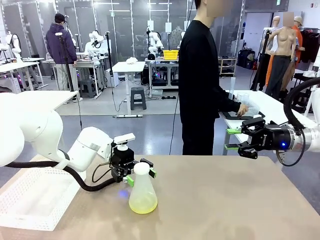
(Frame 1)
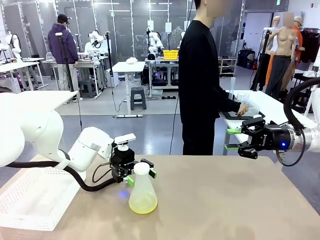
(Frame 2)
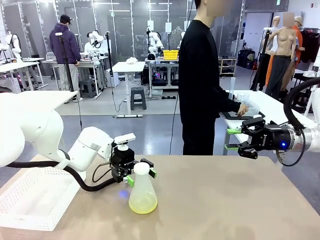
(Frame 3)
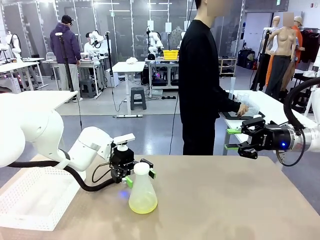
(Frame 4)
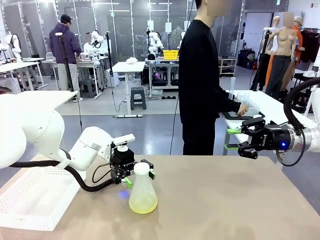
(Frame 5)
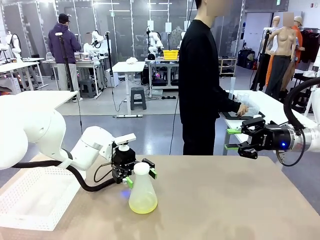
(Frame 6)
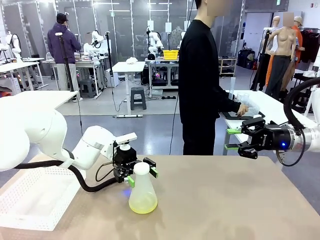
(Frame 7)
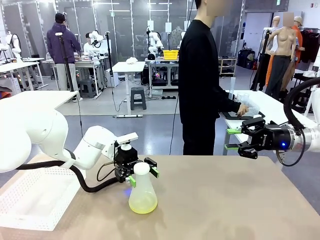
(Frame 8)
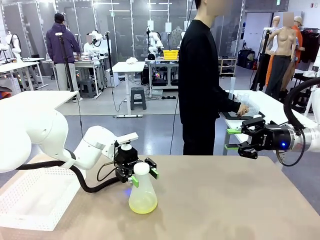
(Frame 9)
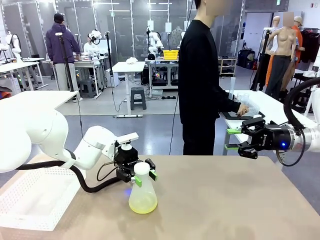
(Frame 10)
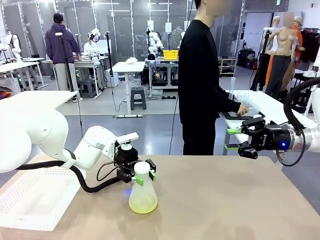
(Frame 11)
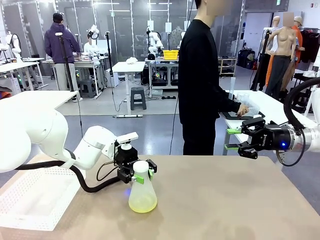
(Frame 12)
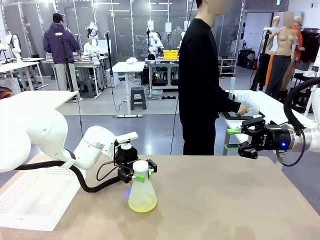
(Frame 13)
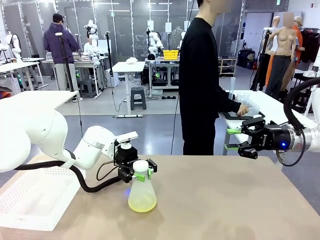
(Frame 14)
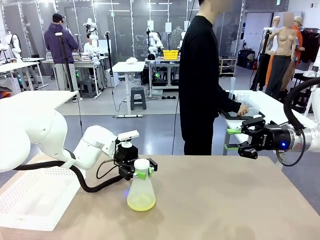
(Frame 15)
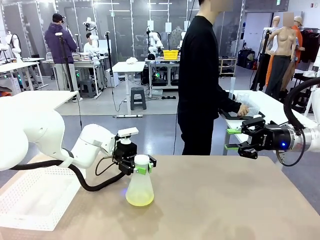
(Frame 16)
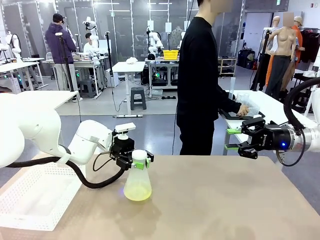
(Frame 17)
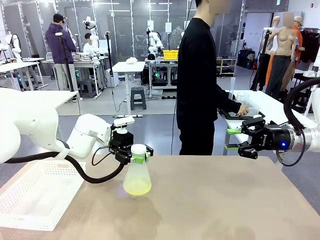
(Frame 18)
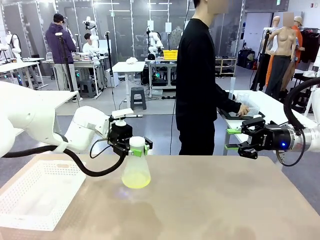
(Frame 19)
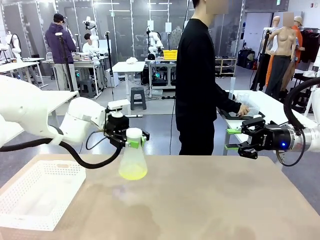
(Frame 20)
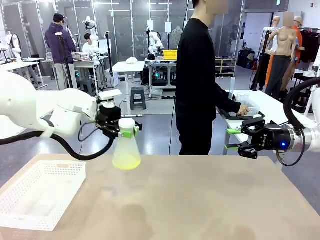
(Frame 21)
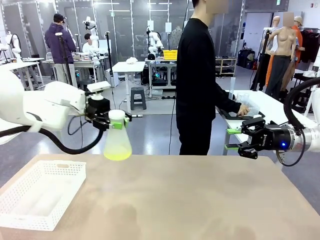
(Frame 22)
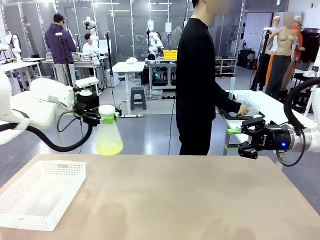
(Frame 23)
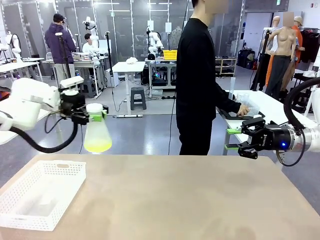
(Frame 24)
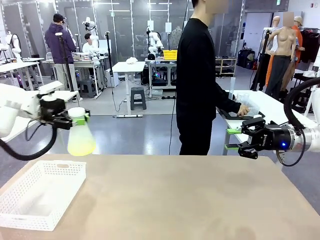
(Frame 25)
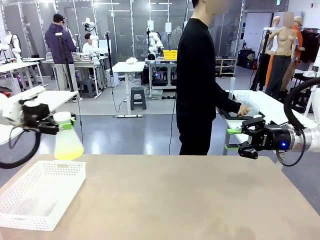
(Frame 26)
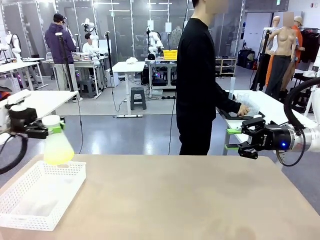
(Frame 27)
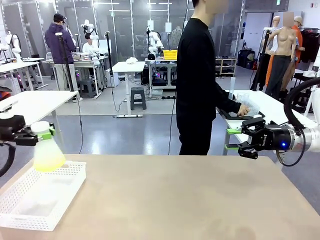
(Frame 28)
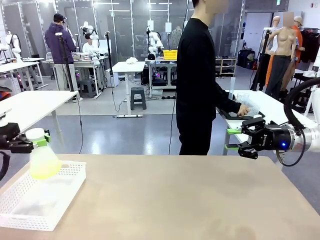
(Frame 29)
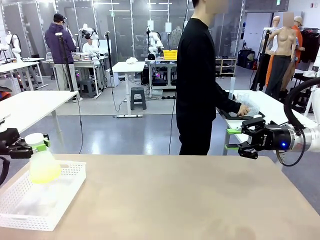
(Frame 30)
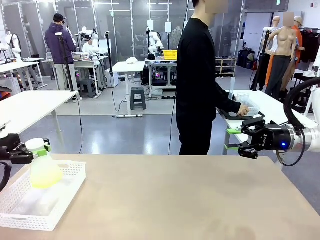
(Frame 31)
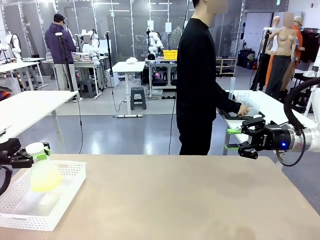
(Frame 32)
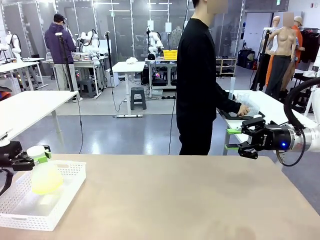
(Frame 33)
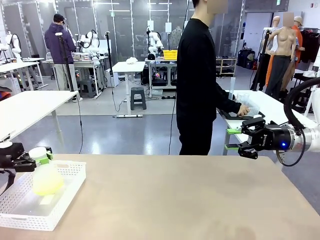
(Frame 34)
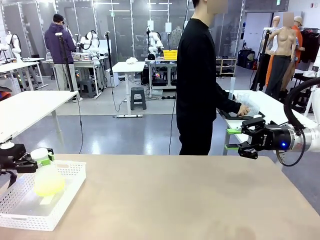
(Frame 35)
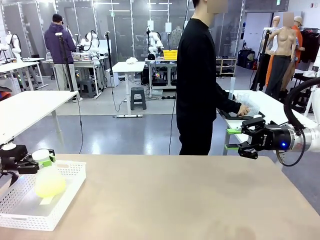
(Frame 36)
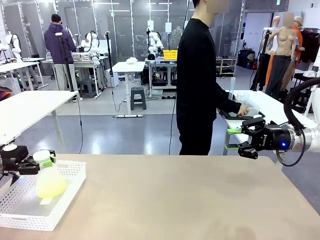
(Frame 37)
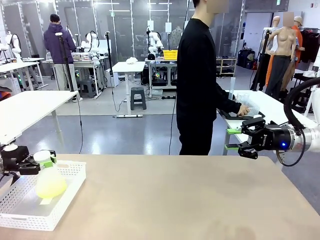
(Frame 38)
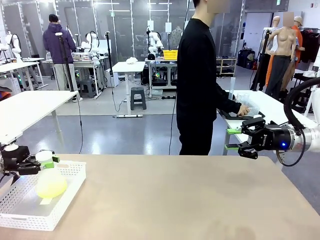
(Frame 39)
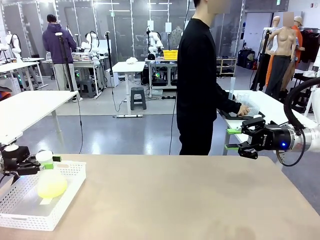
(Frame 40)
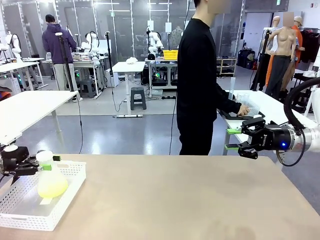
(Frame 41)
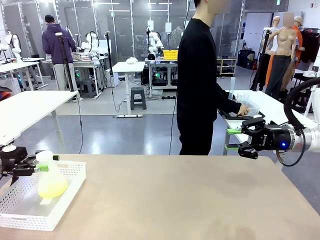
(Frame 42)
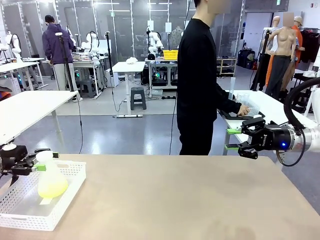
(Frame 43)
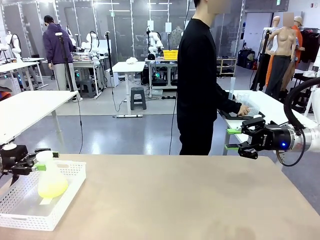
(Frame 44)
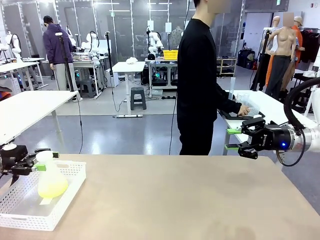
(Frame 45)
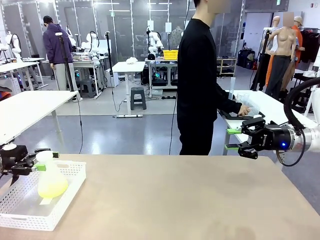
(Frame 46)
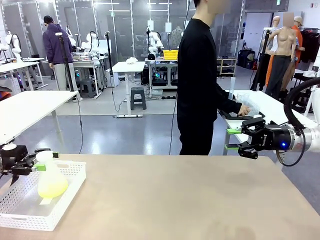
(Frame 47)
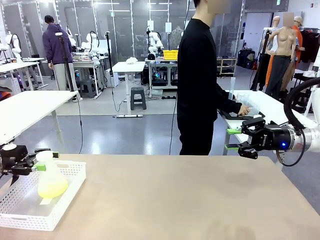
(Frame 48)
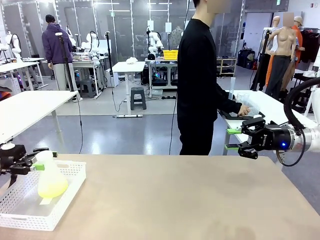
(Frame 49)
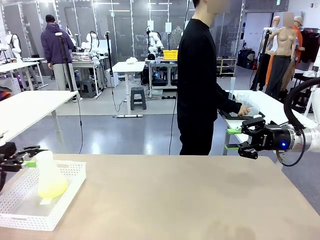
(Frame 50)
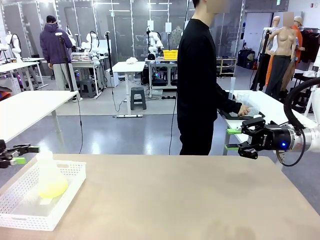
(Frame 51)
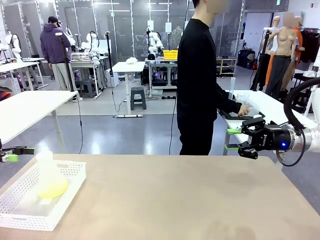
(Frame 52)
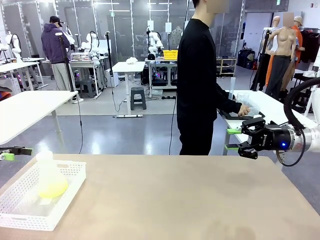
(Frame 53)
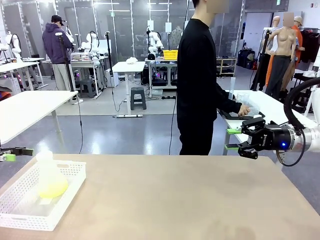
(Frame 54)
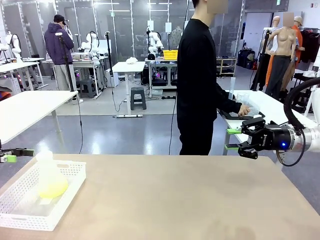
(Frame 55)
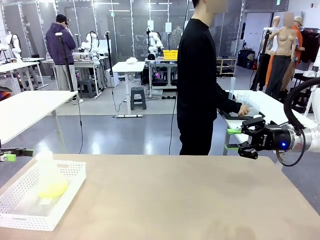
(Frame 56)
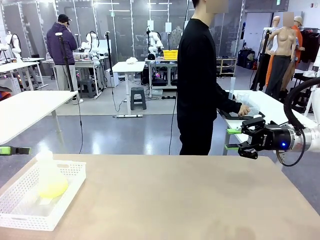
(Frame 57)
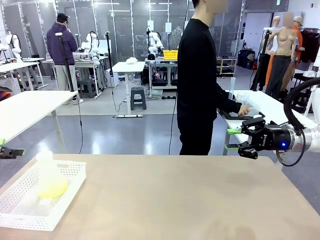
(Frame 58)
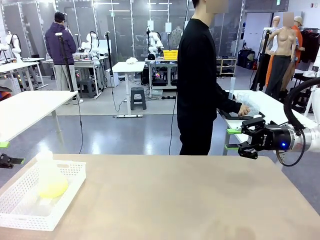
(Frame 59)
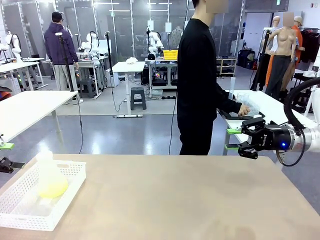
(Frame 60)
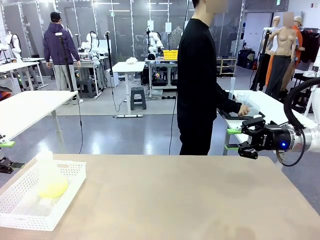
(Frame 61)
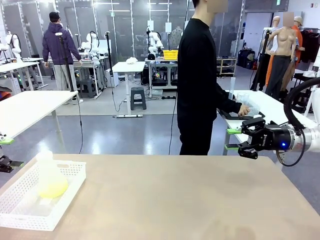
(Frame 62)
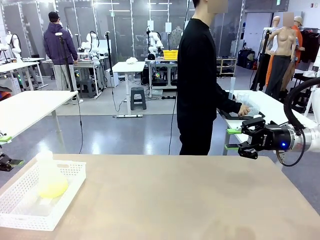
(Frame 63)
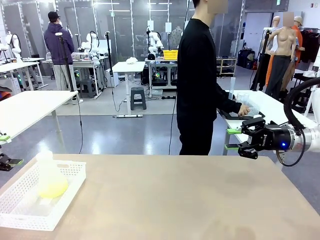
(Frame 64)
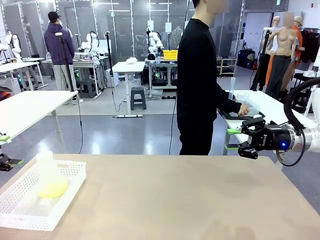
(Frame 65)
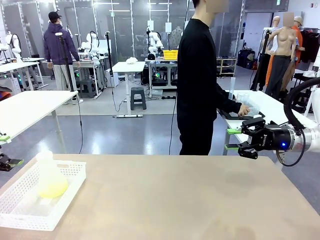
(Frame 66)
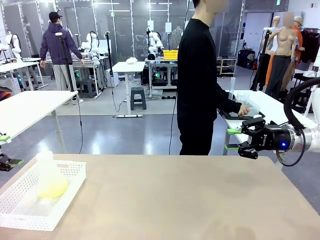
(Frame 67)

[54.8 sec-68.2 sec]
Task: Prepare the solutions needed for the experiment.
Robot: When the human places the Big flask in the center of the table, pick up the Big flask and place it in the left Organizing basket.
Person: Pick up the organizing basket on the left side of the robot table and place it on the left side of the human table.
